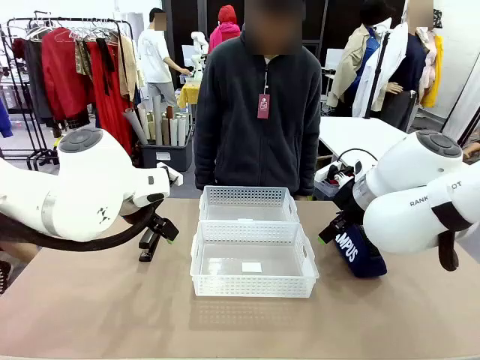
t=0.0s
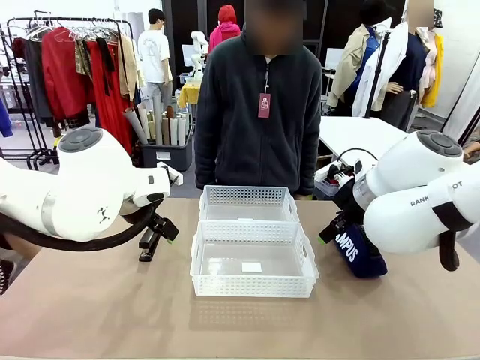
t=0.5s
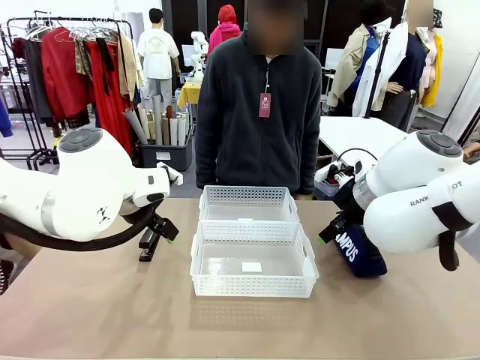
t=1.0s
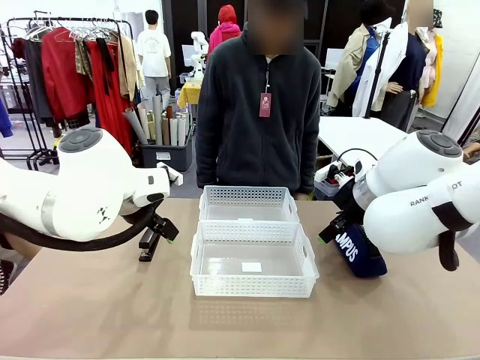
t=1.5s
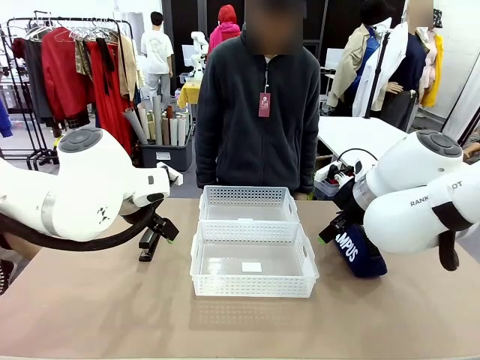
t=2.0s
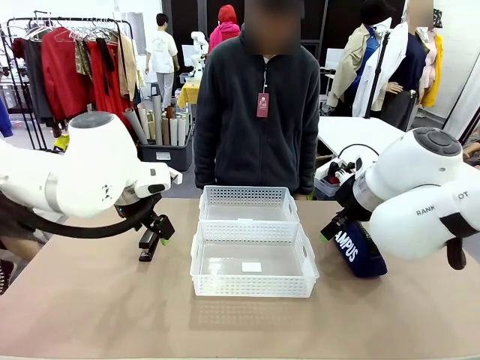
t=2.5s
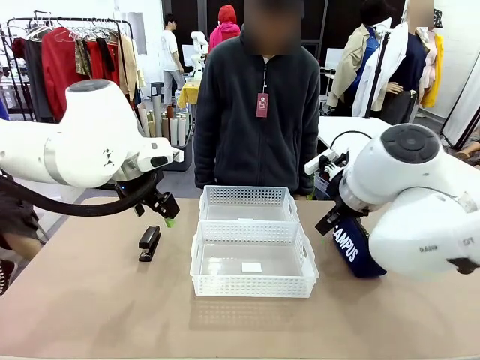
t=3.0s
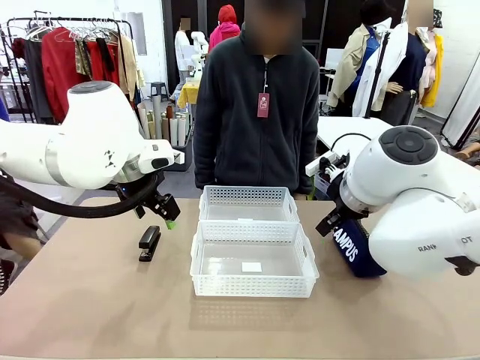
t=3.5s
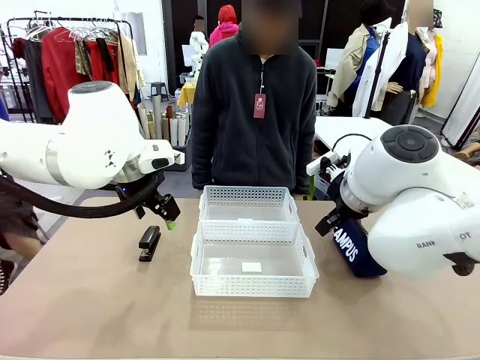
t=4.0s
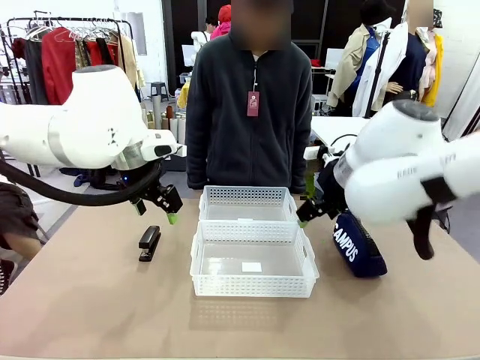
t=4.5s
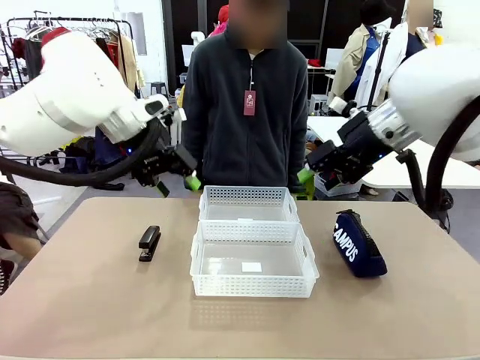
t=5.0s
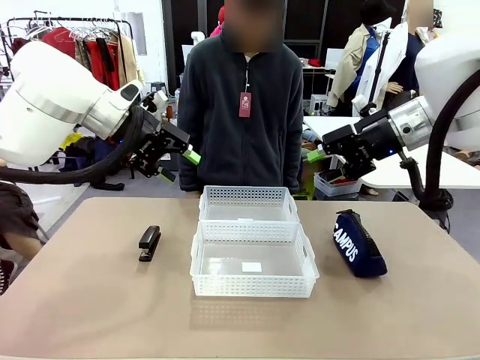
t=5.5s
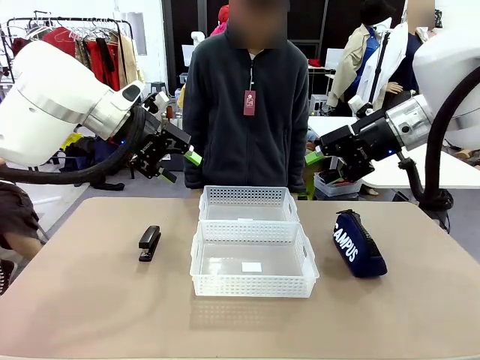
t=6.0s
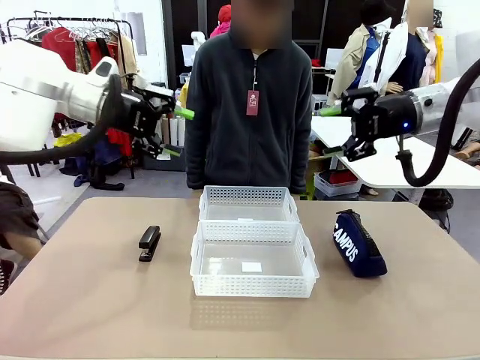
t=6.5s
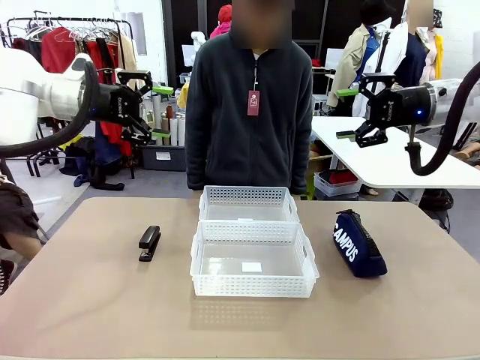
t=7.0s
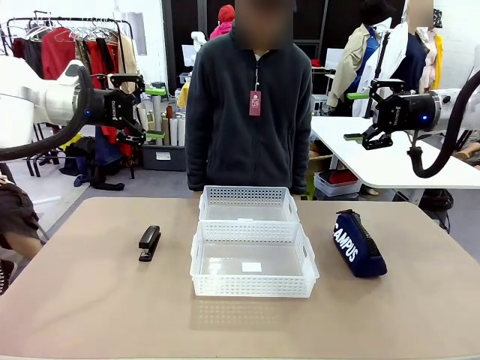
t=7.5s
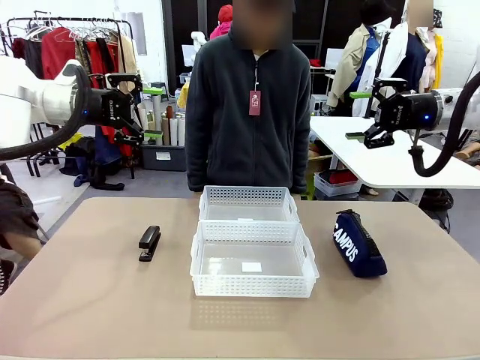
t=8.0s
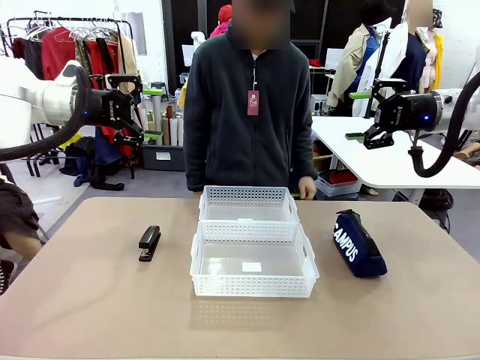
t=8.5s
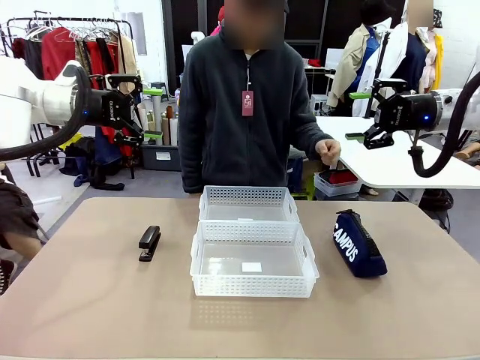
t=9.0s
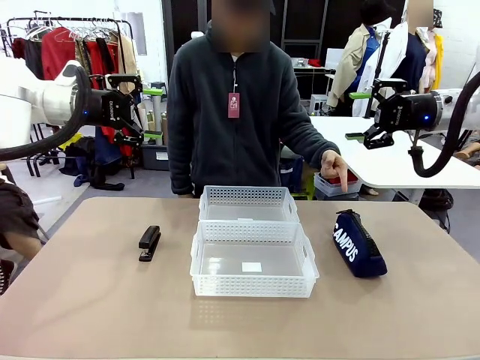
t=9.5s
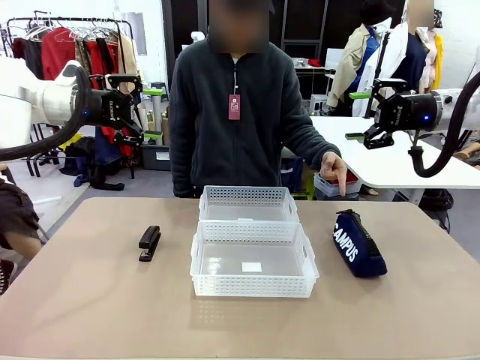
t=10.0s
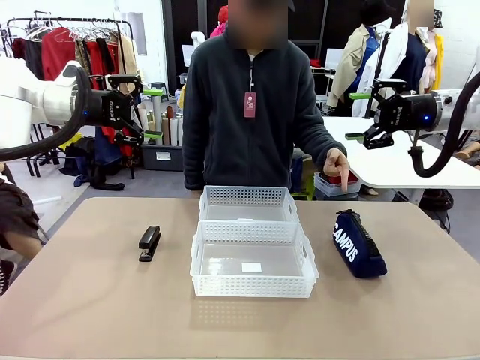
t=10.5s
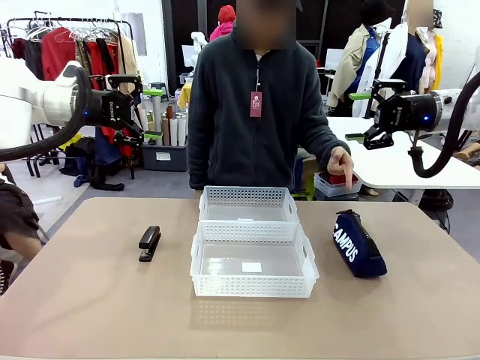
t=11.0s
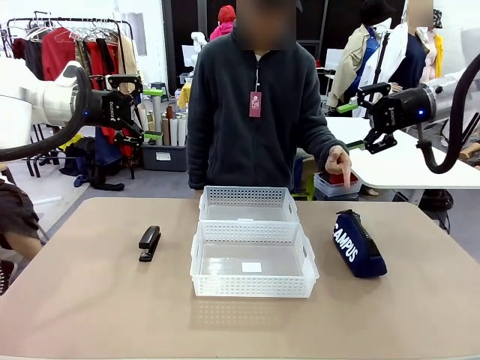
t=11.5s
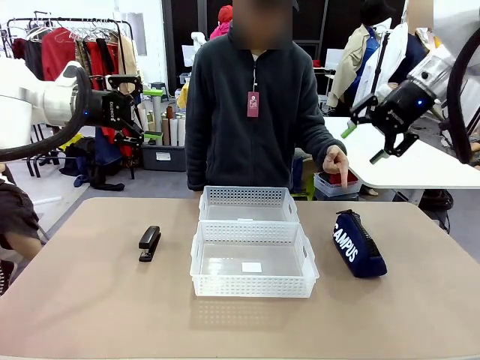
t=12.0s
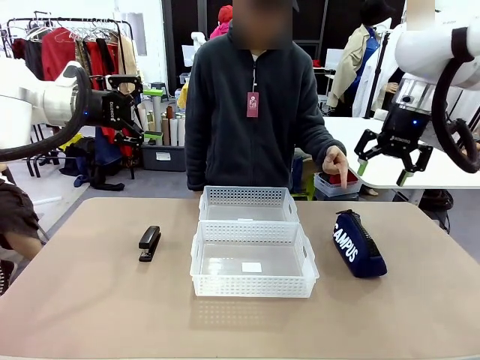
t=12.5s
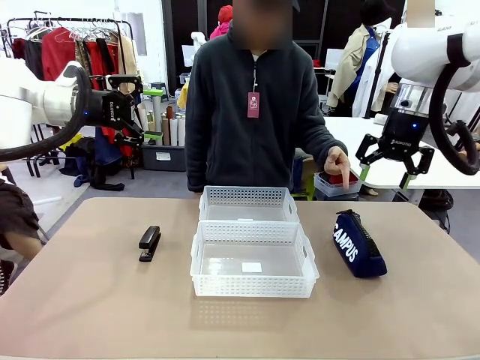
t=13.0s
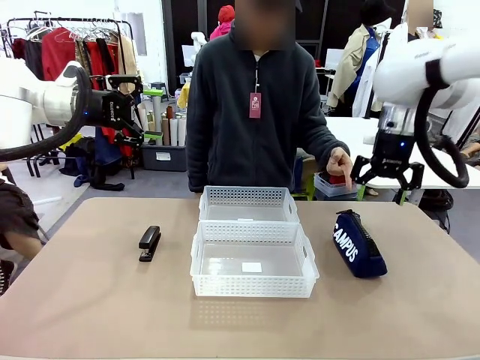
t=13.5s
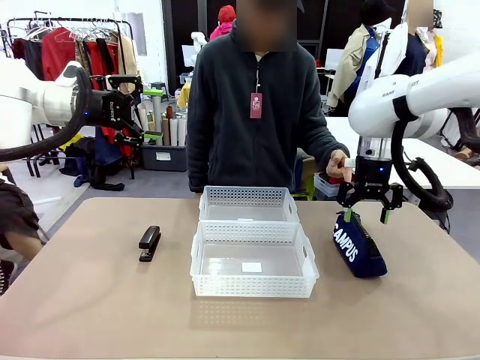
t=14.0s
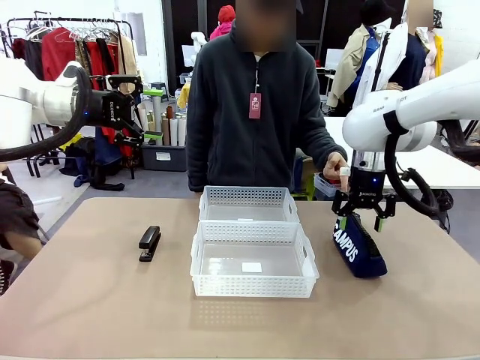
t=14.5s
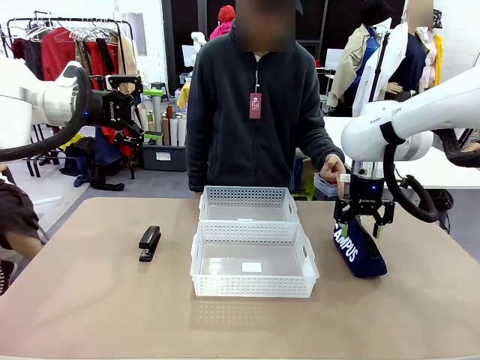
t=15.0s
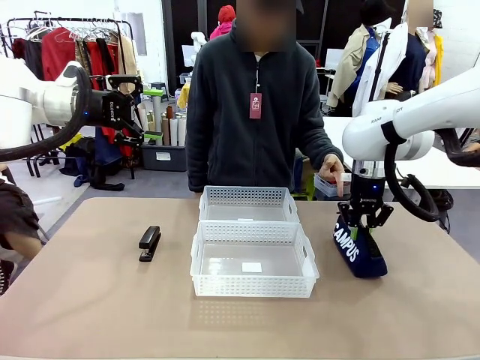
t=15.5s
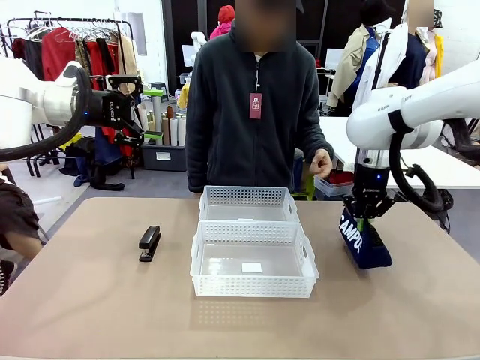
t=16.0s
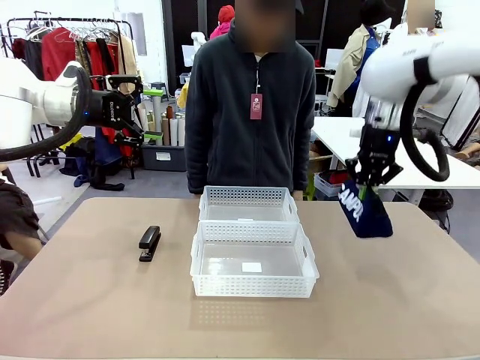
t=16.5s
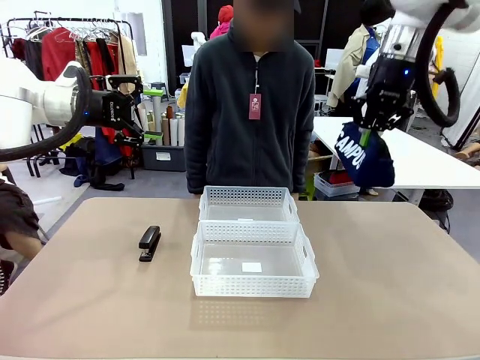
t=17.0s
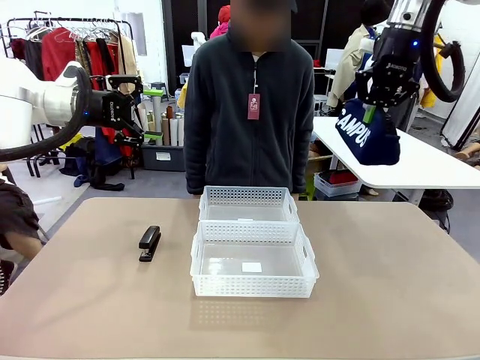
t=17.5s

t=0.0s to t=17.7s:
Task: Distribute items into two baskets.
Robot: Pick up the Pencil pouch that the person points to.
Person: Points to the pencil case. Points between the two organizing baskets and instructs the robot to move the pencil case.

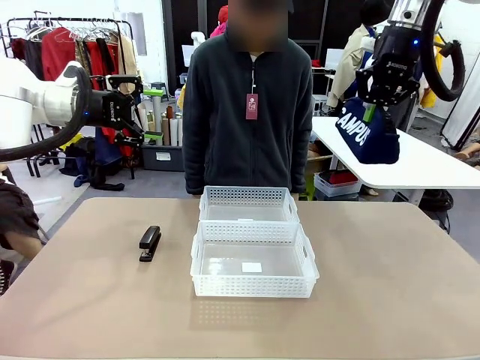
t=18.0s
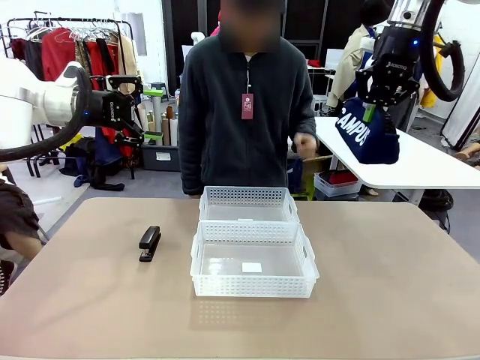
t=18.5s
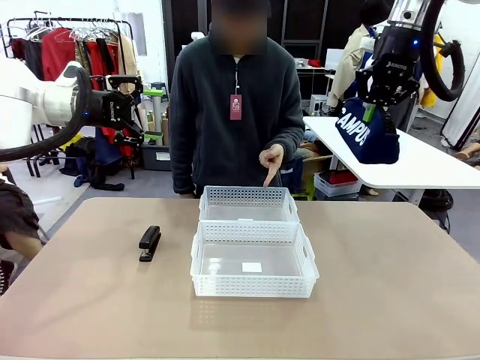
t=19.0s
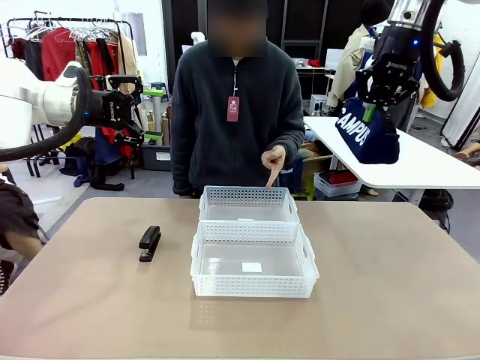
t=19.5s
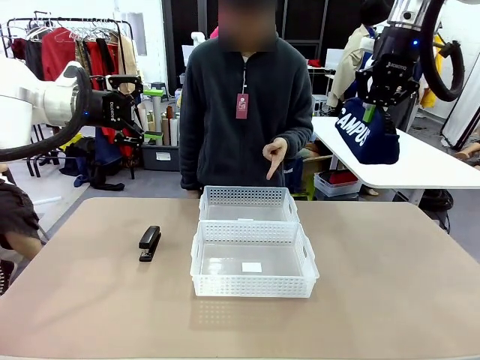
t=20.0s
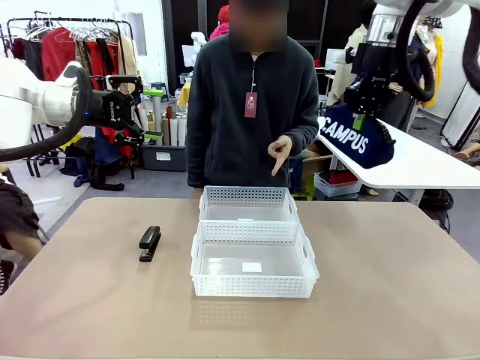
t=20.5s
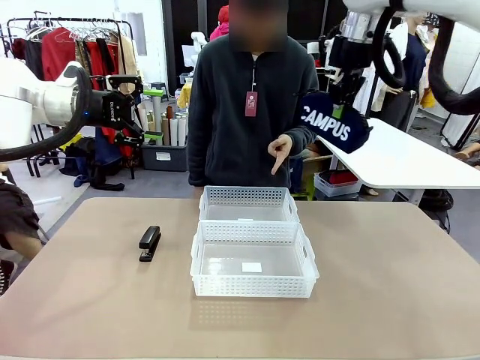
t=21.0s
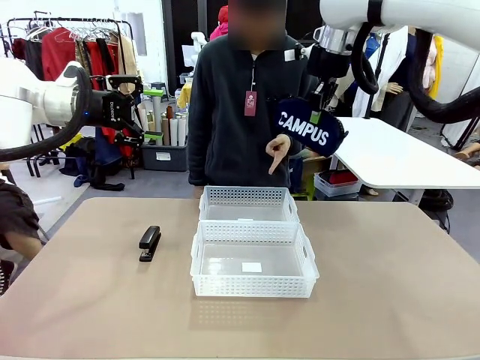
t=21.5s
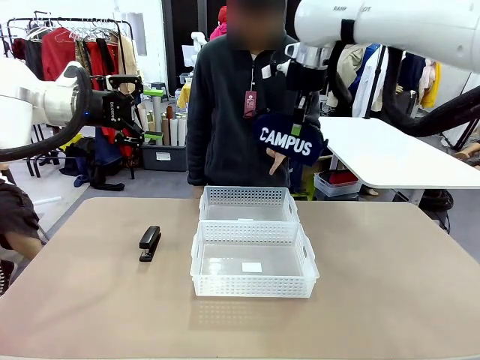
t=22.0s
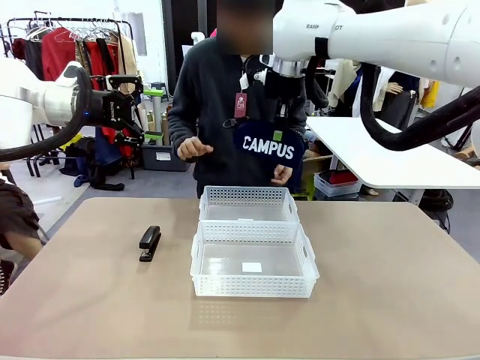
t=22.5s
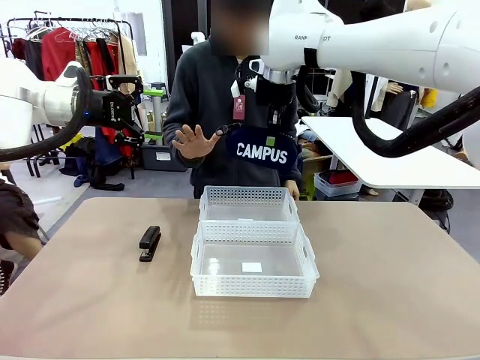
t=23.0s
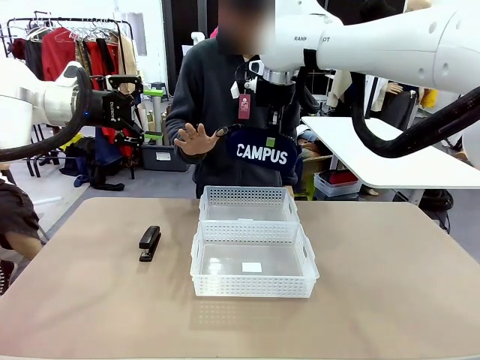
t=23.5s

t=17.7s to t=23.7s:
Robot: Move the picked Pencil pouch towards the Organizing basket indicated by the person, stopping as directed.
Person: Sends a stop gesture before the robot places the pencil case into the basket.

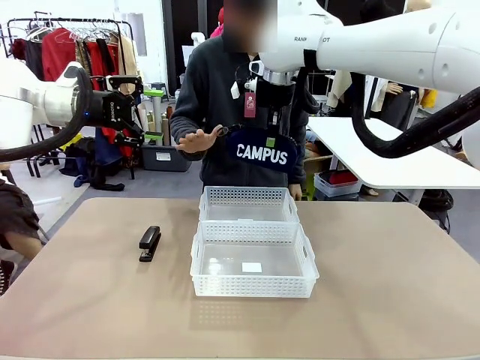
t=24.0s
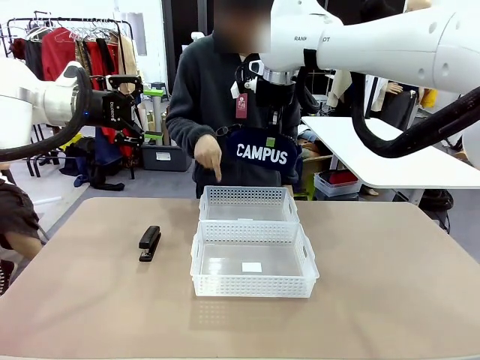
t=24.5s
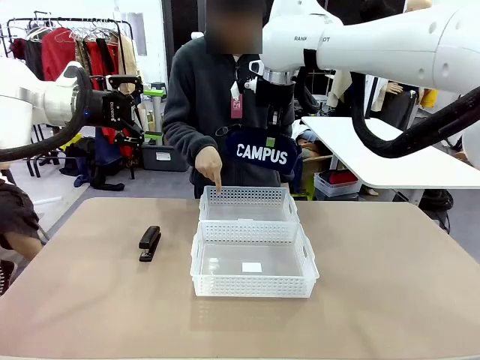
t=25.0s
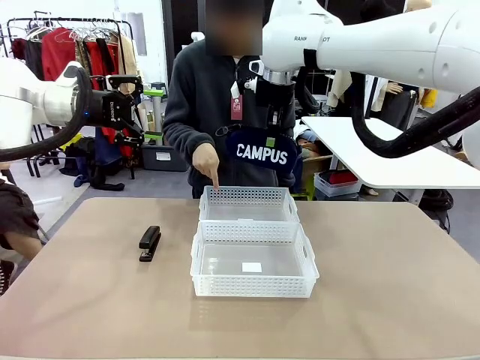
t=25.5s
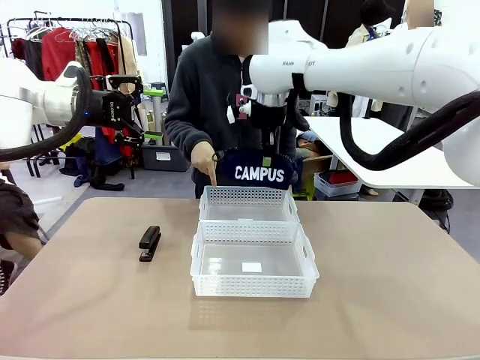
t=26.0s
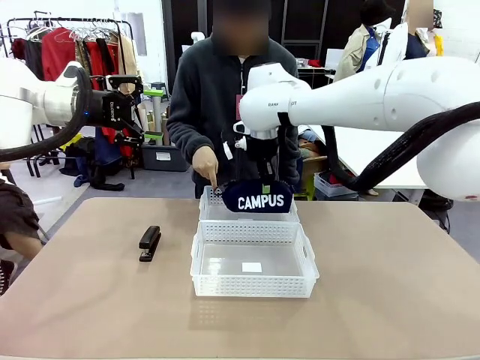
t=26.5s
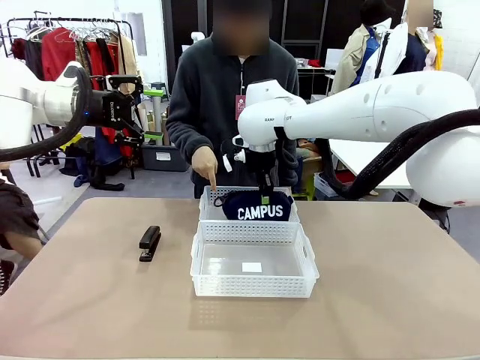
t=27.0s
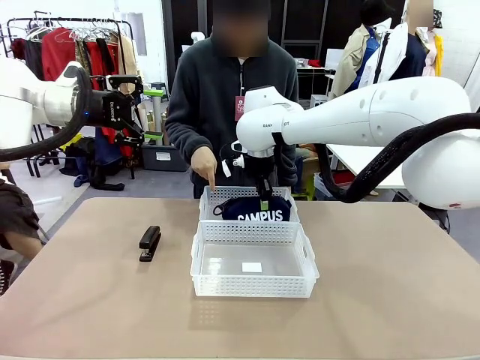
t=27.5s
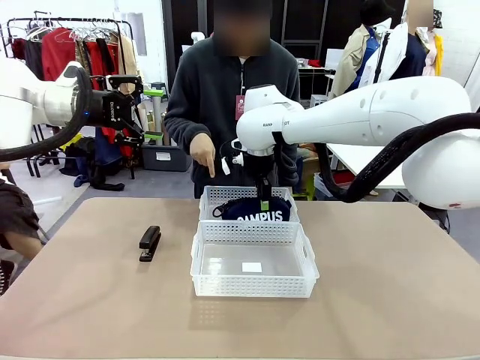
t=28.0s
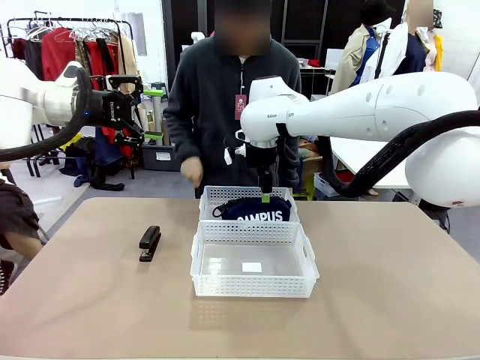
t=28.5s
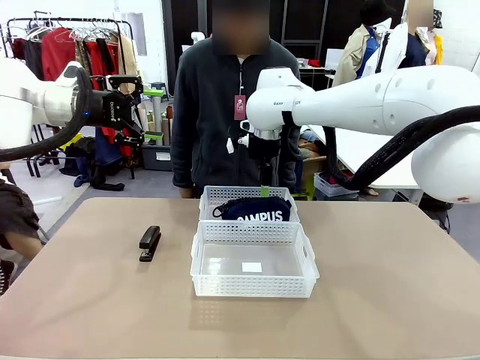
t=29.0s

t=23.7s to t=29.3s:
Robot: Place the picked Pencil pouch into the Organizing basket as instructed by the person.
Person: Instructs the robot to place the pencil case into the opposite basket.
